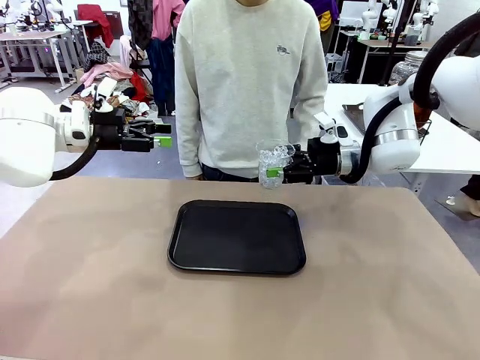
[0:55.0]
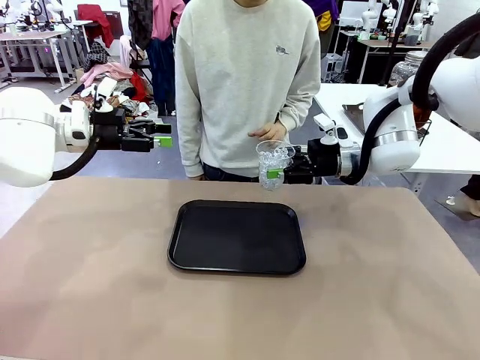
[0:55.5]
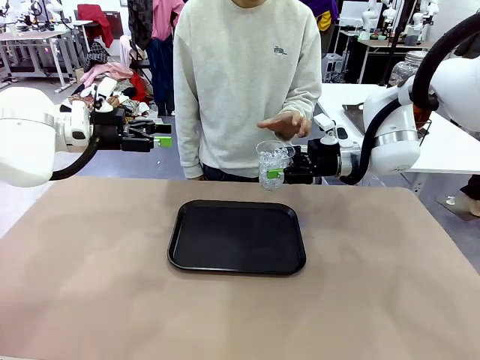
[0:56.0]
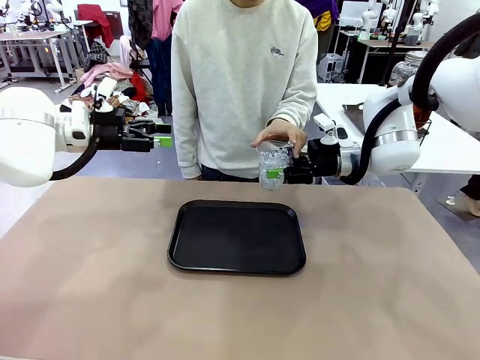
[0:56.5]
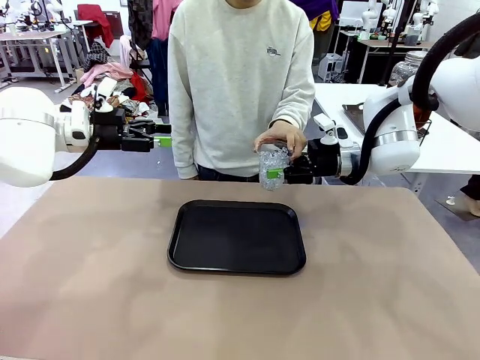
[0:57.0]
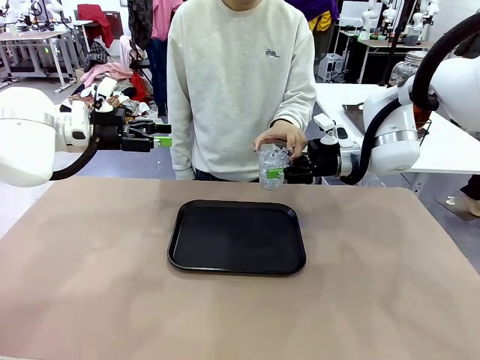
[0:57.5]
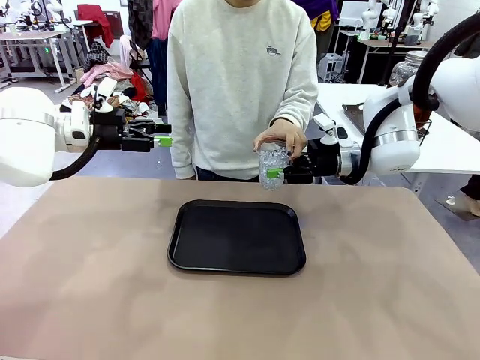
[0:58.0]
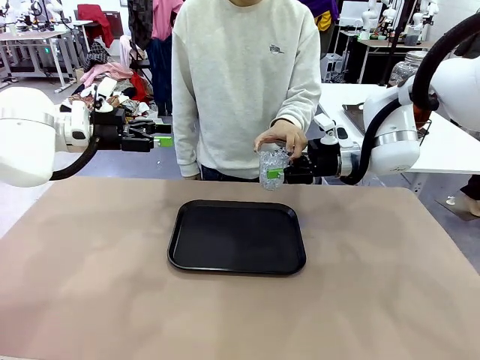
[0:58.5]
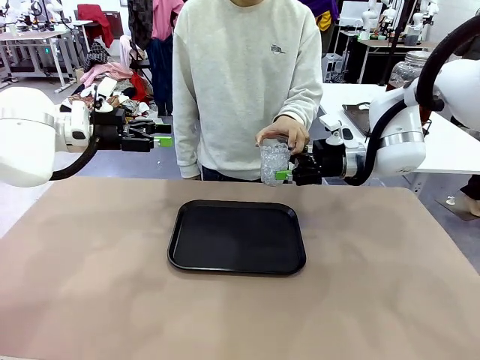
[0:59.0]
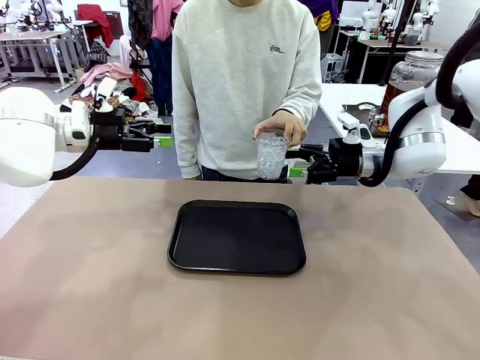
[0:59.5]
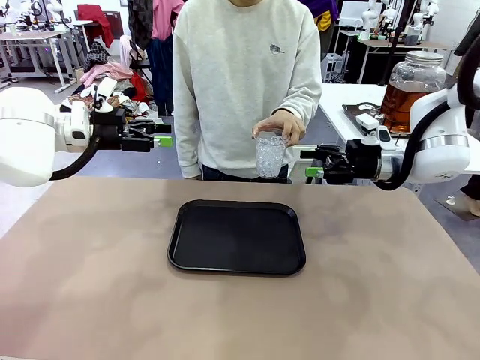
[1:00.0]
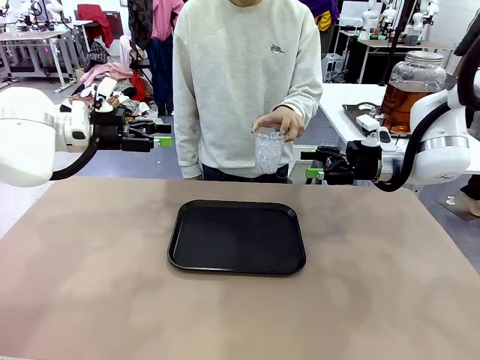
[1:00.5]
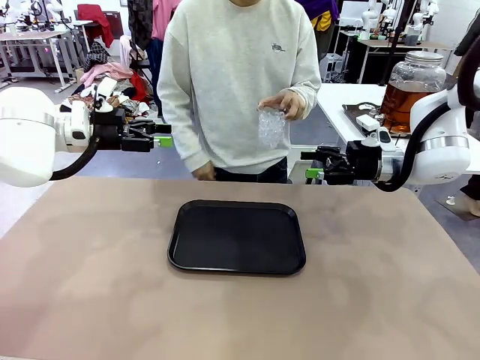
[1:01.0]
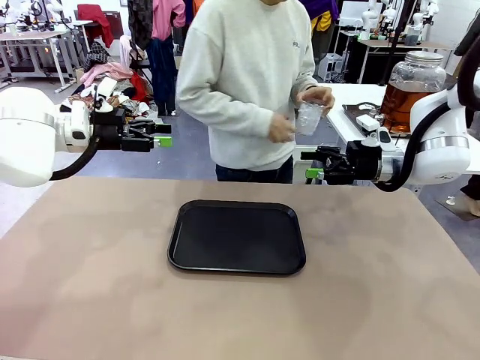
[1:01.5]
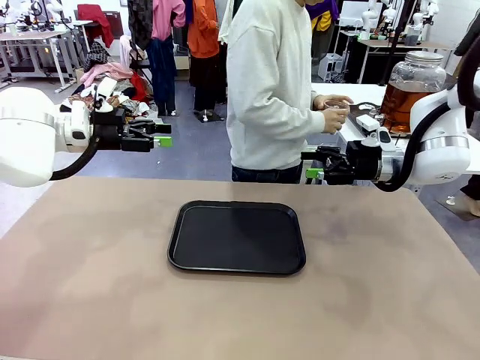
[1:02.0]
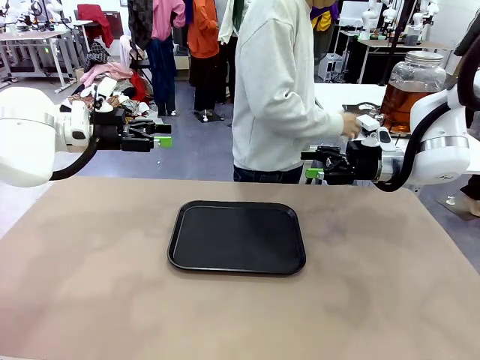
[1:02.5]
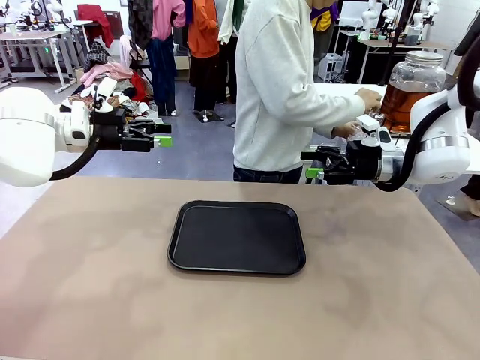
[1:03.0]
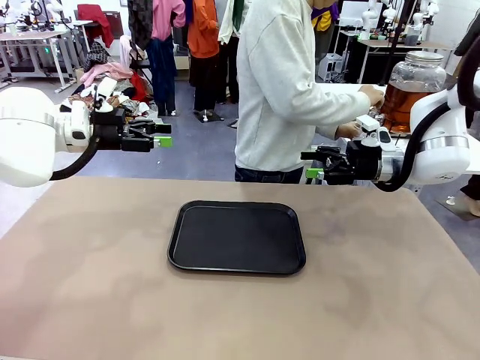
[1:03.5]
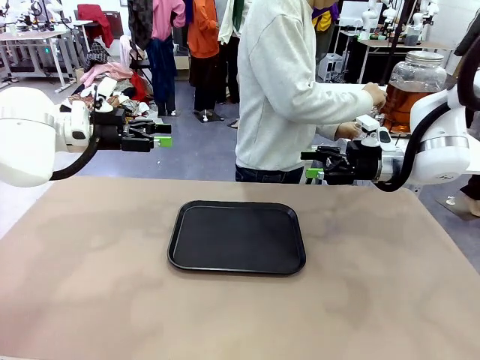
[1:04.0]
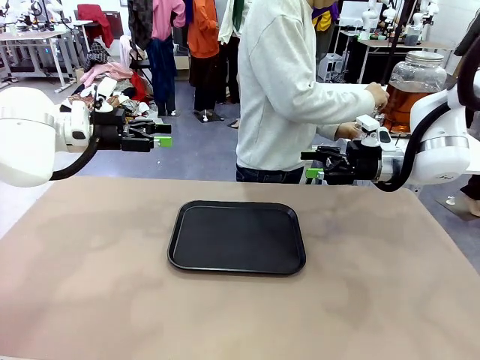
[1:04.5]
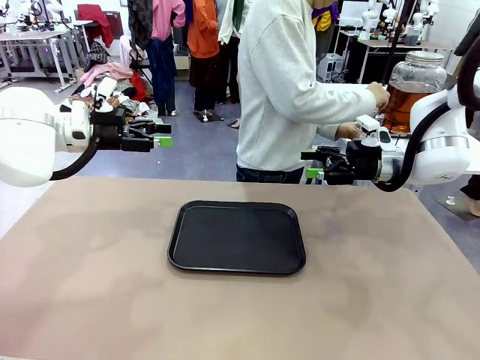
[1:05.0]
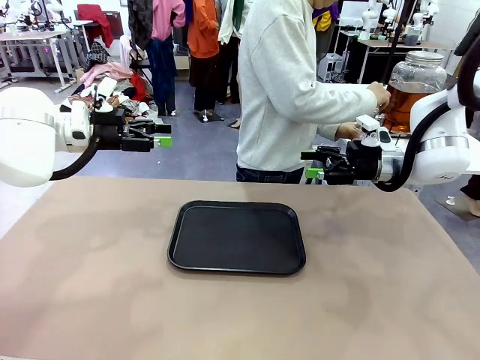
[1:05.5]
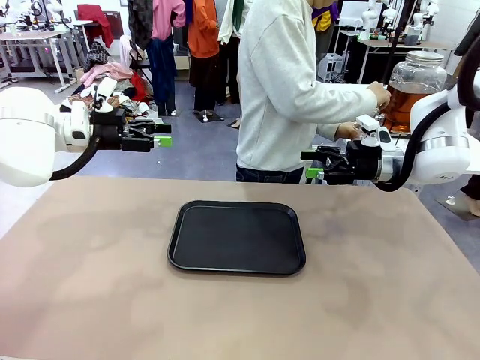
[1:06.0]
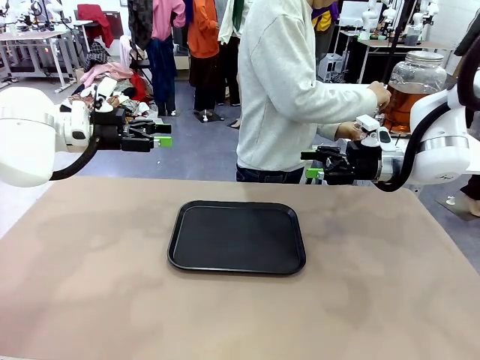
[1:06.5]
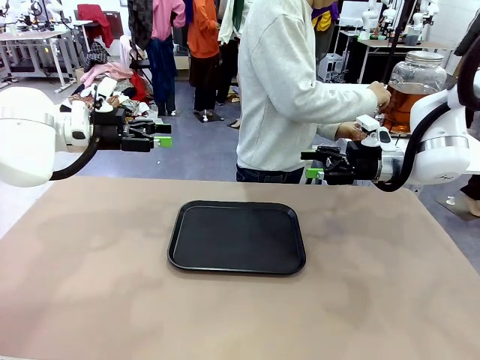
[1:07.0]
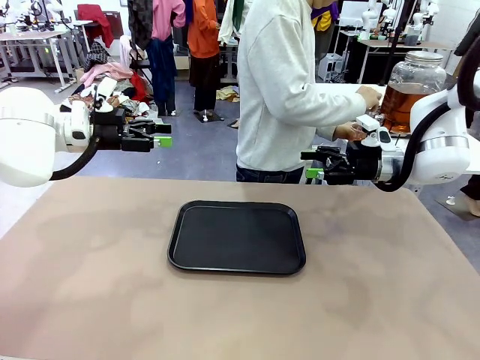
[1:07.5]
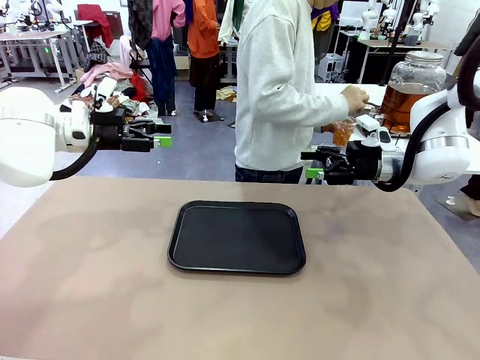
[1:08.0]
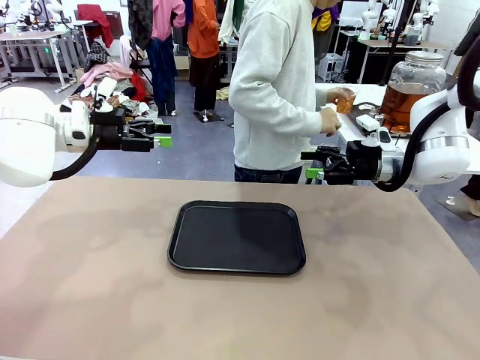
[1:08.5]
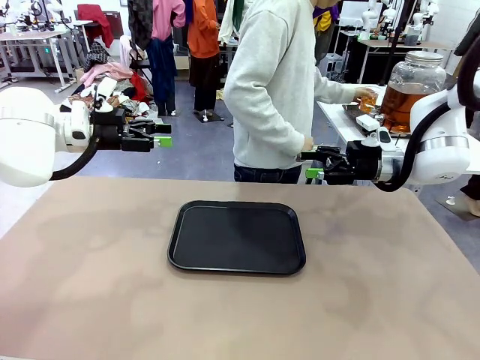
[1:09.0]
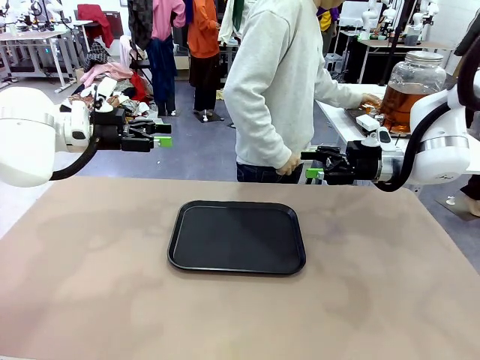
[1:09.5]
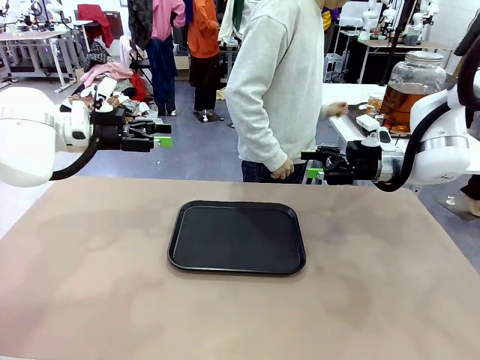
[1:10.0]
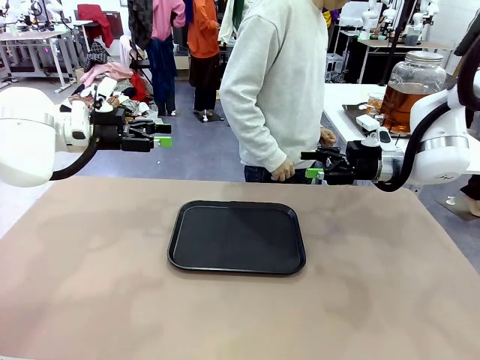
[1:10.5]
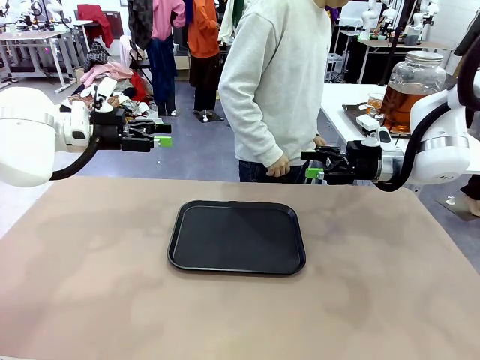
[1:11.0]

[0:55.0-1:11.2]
Task: Pour the drink into the iced cup.
Robot: Open the gripper to release the iced cup you were holding.
Person: Move the picked-up cup under the dispenser faucet, pour the drink, and place it on the tray on the human table.

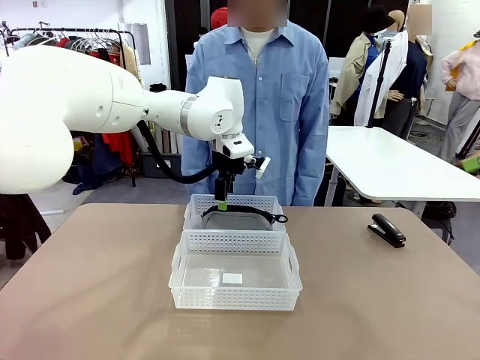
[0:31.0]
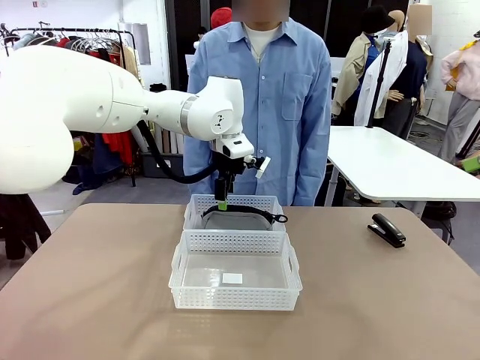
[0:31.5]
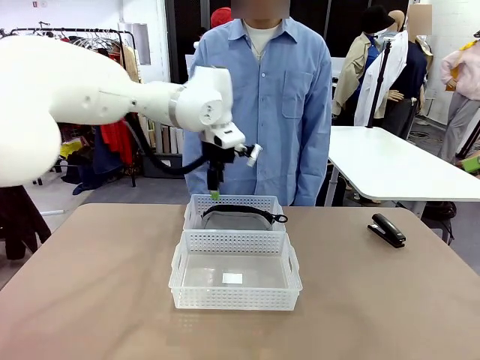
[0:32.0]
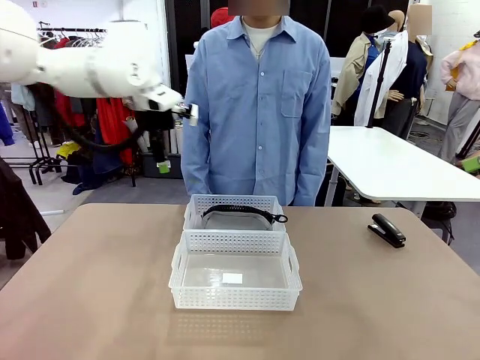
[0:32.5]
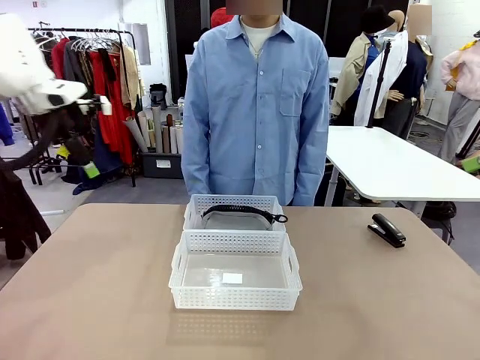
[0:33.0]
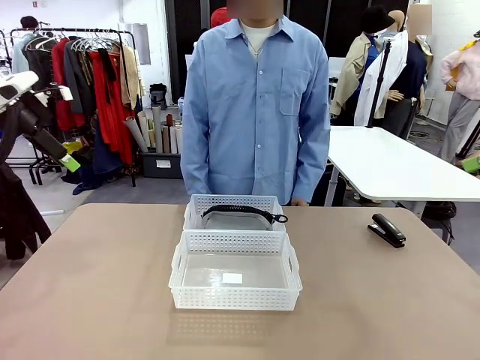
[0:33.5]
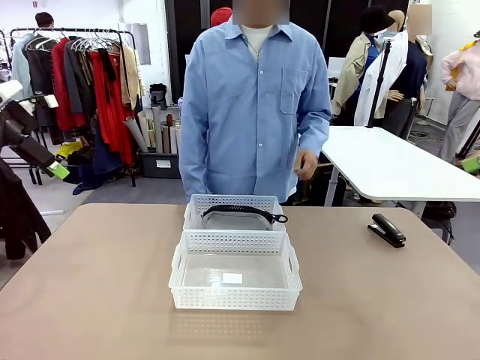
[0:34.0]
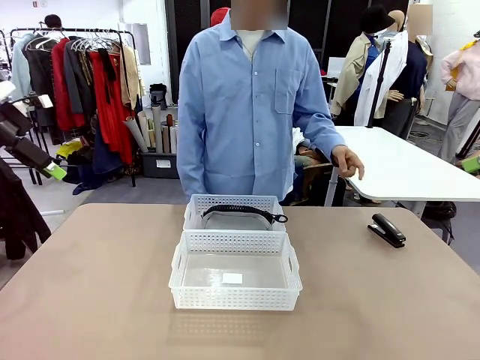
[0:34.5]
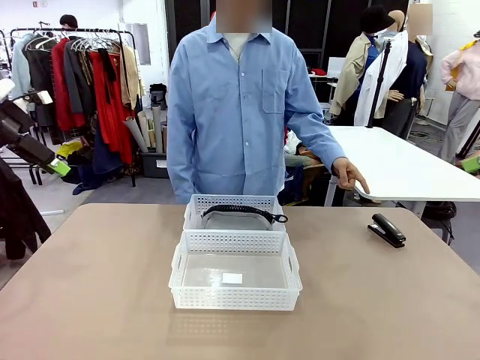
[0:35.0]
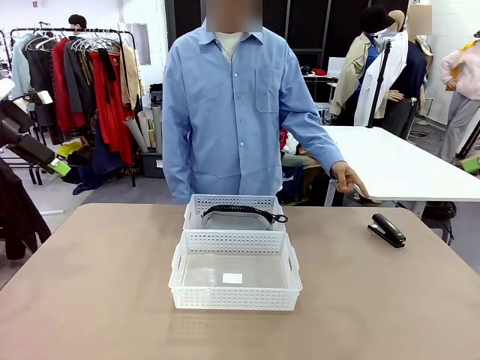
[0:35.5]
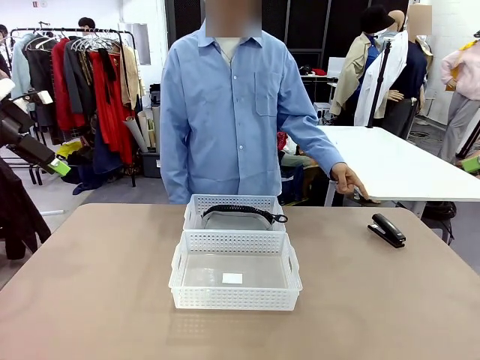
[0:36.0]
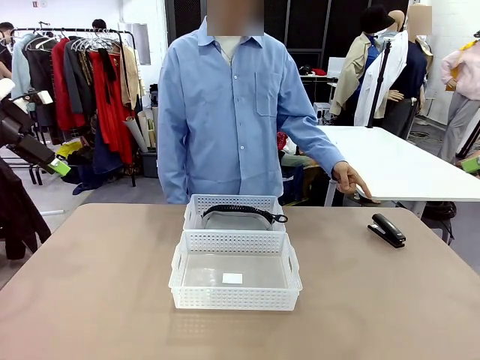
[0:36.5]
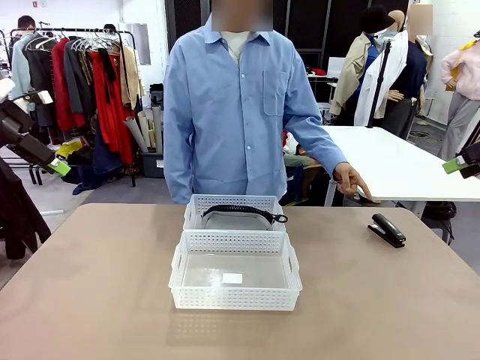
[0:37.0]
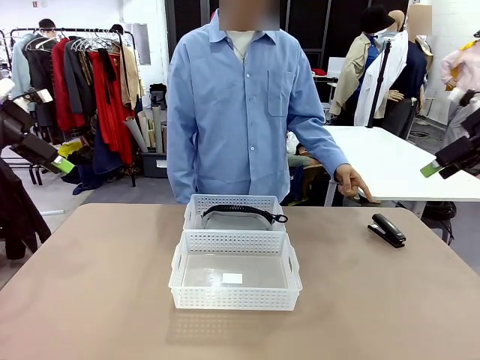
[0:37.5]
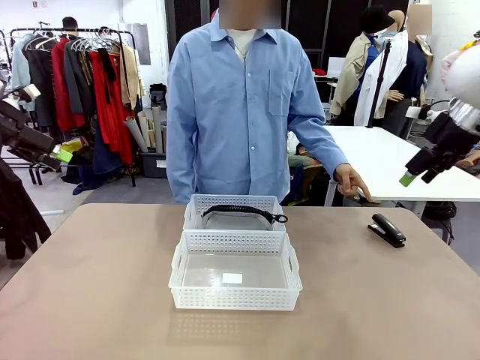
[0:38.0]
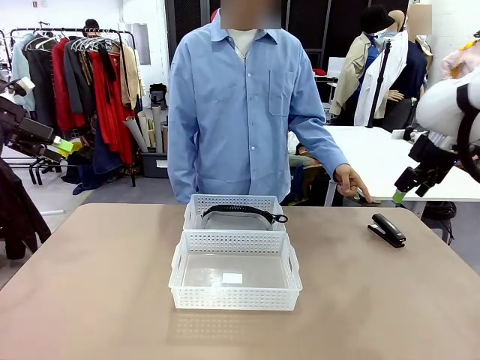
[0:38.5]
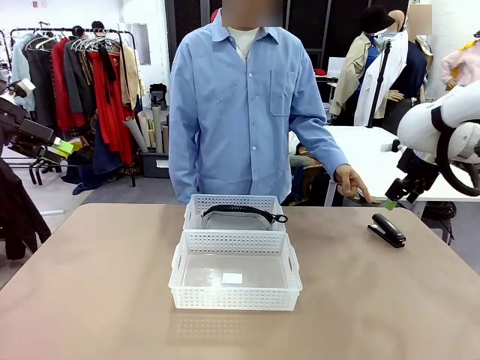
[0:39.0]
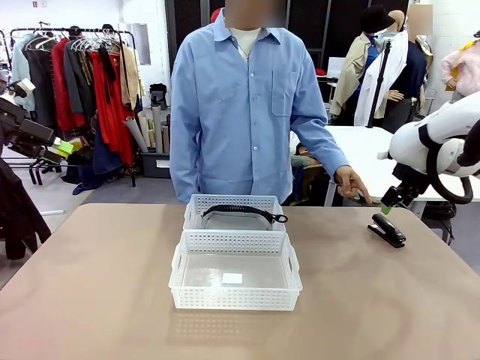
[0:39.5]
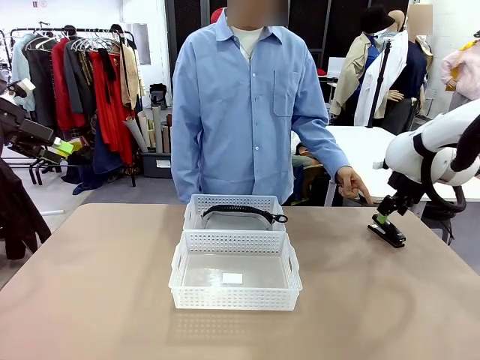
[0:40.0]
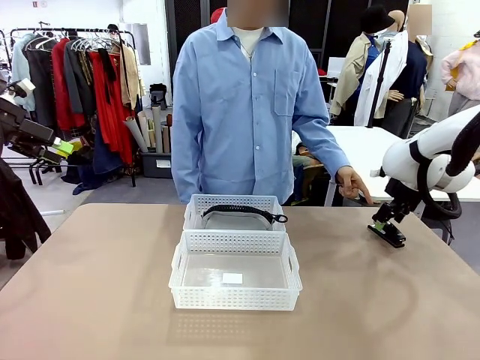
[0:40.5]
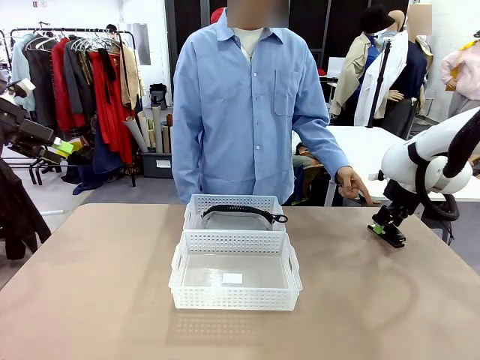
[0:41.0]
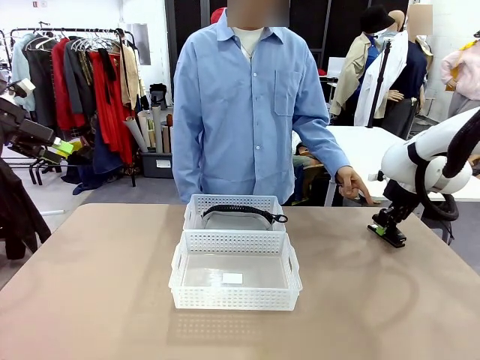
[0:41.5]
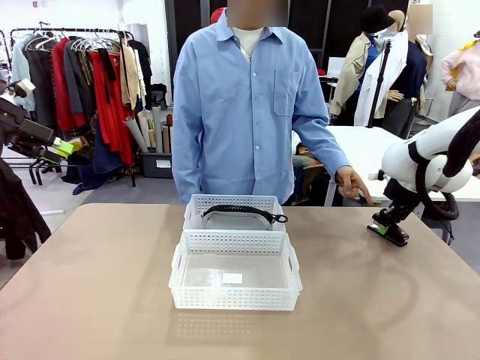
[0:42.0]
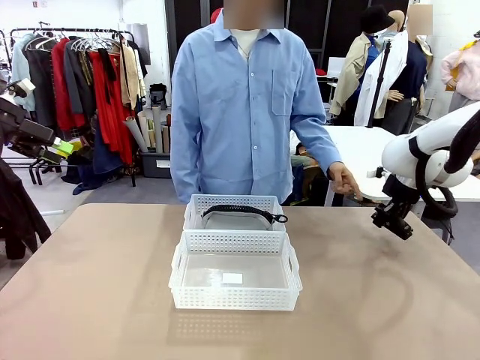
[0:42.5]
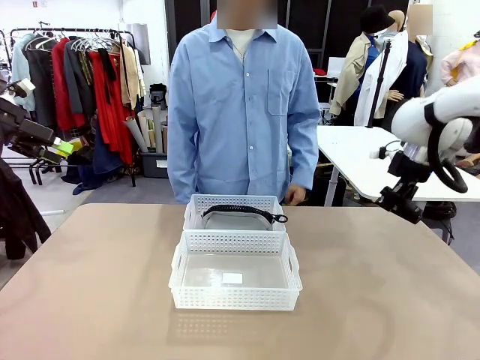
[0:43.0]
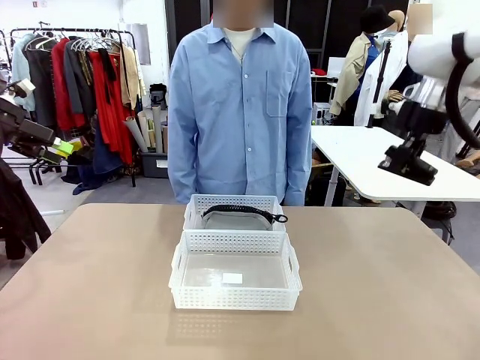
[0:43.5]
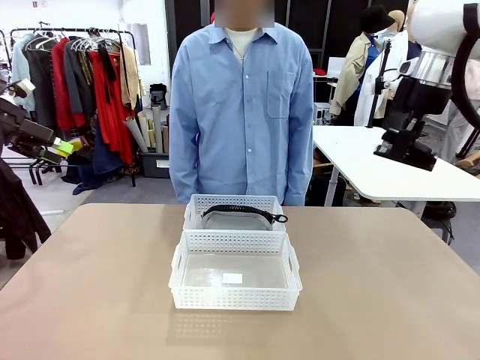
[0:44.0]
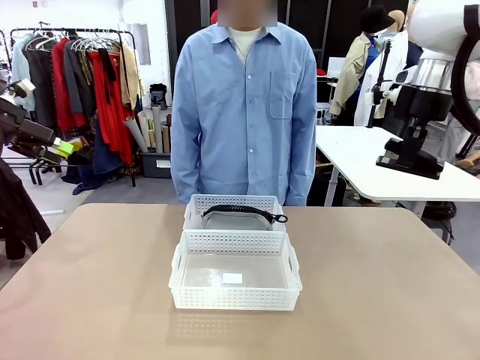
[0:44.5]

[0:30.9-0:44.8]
Task: Distribute items into two baskets.
Robot: Pick up the Stapler that the person points to.
